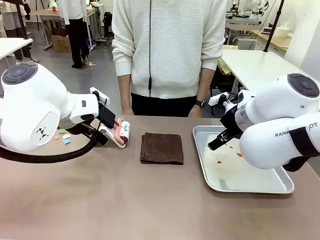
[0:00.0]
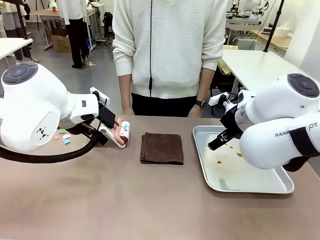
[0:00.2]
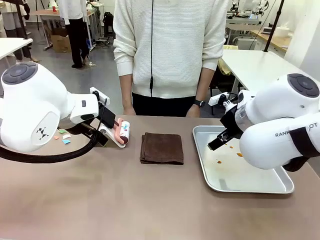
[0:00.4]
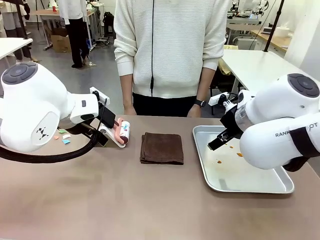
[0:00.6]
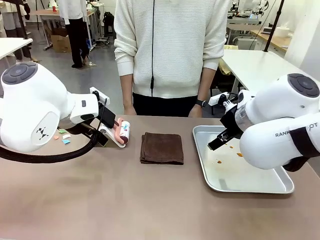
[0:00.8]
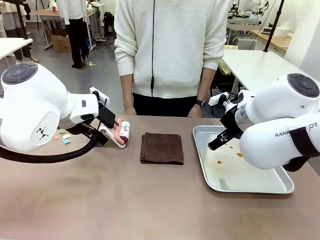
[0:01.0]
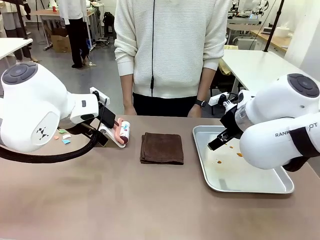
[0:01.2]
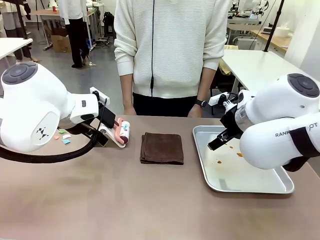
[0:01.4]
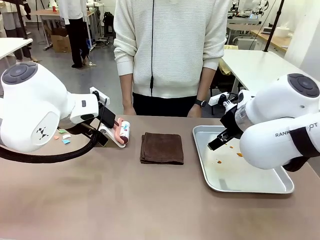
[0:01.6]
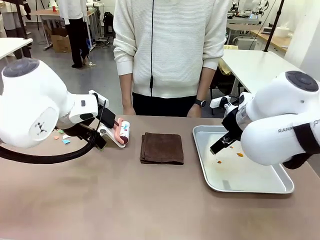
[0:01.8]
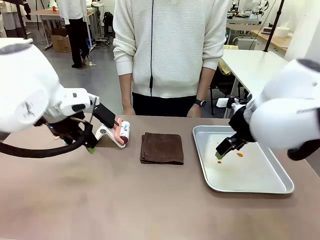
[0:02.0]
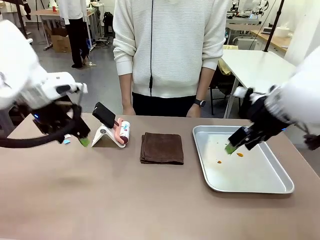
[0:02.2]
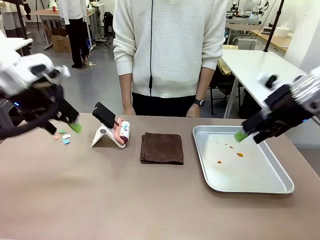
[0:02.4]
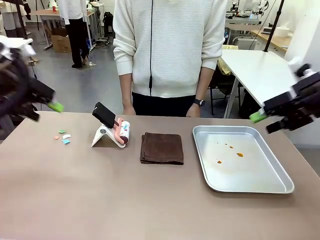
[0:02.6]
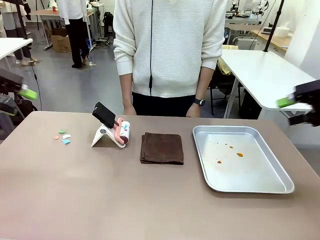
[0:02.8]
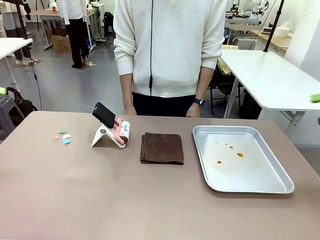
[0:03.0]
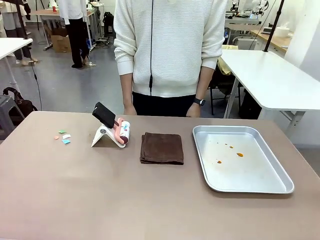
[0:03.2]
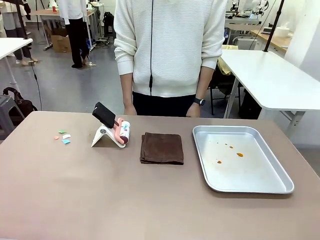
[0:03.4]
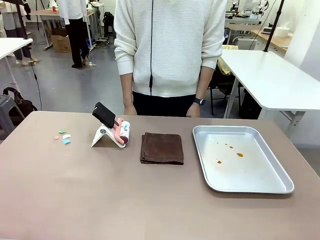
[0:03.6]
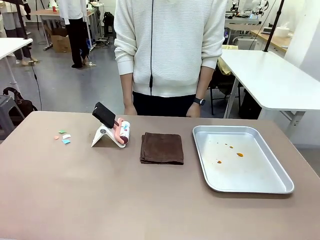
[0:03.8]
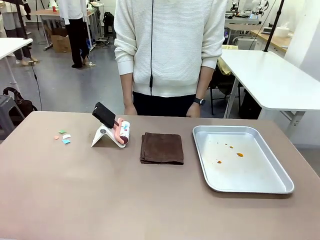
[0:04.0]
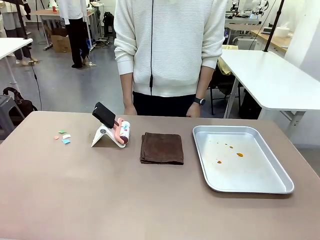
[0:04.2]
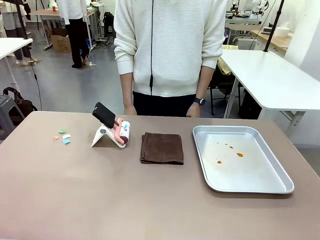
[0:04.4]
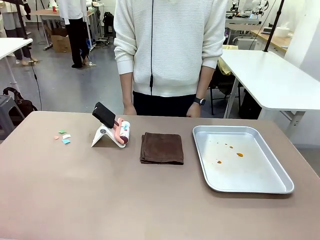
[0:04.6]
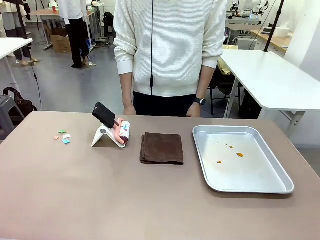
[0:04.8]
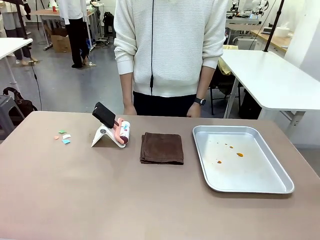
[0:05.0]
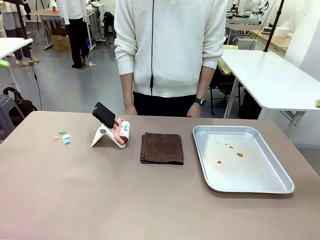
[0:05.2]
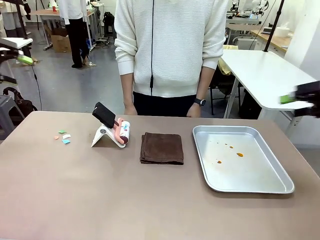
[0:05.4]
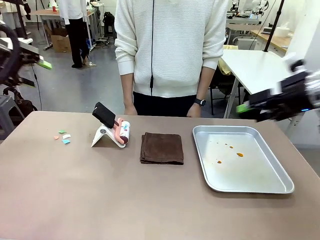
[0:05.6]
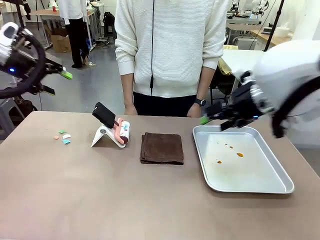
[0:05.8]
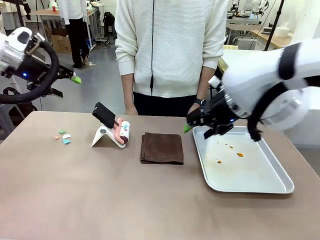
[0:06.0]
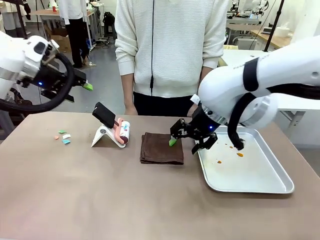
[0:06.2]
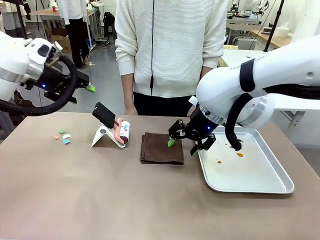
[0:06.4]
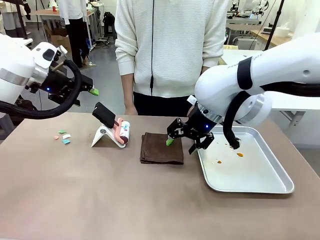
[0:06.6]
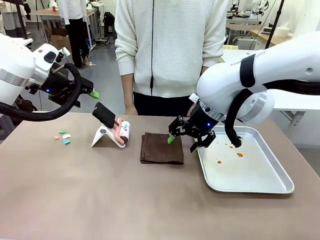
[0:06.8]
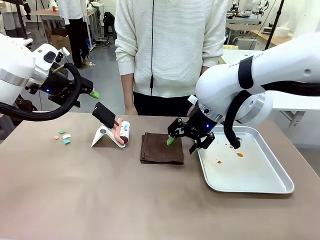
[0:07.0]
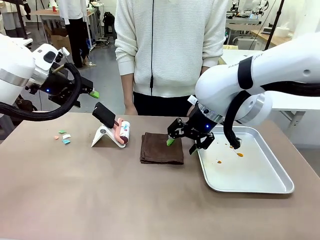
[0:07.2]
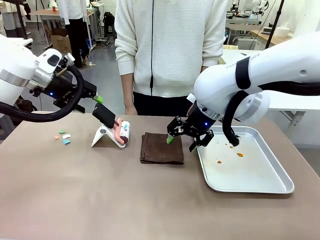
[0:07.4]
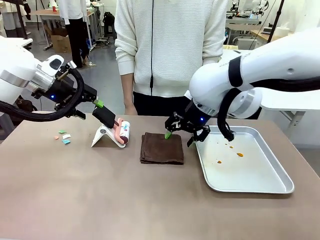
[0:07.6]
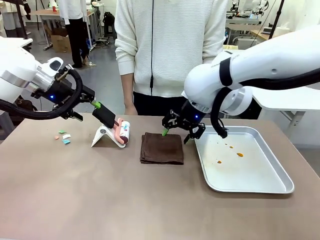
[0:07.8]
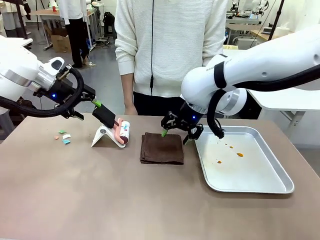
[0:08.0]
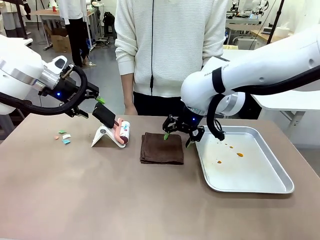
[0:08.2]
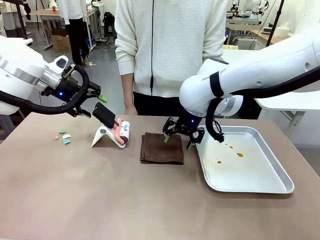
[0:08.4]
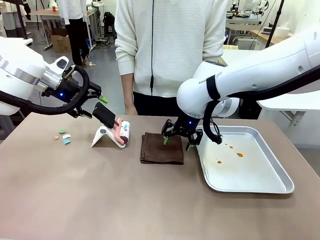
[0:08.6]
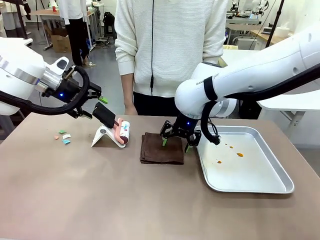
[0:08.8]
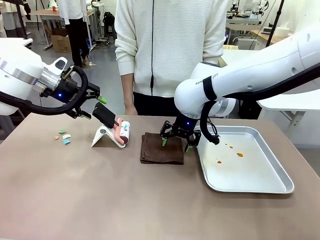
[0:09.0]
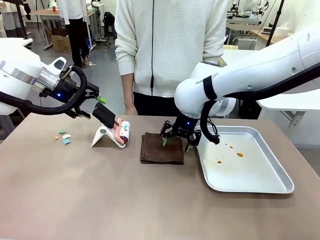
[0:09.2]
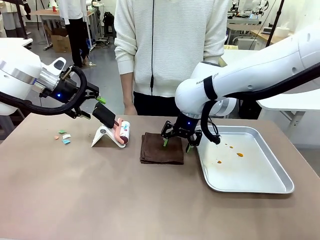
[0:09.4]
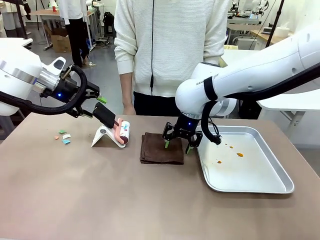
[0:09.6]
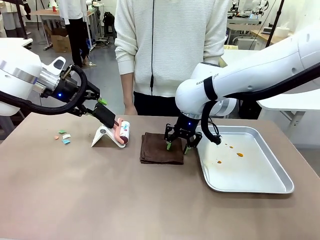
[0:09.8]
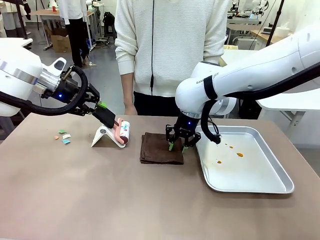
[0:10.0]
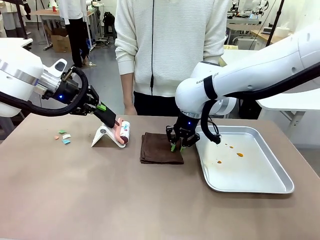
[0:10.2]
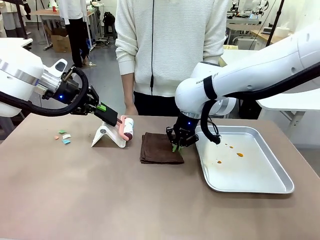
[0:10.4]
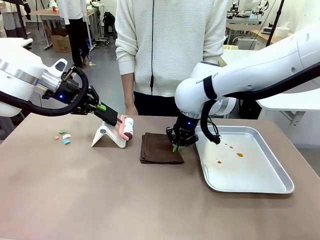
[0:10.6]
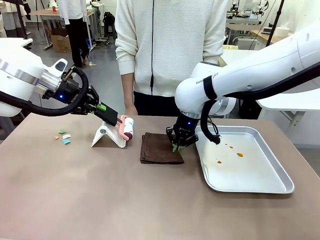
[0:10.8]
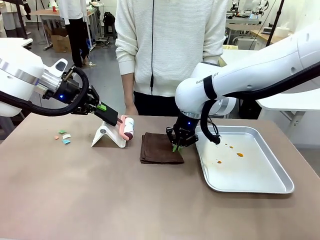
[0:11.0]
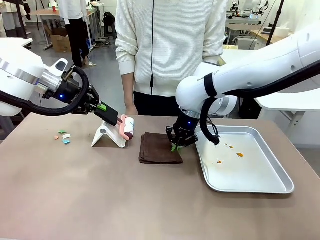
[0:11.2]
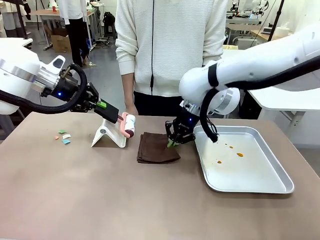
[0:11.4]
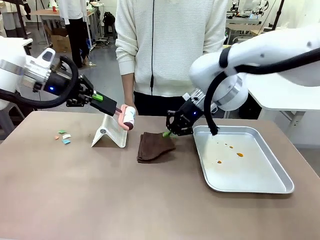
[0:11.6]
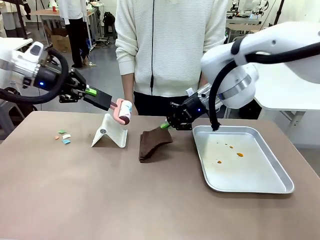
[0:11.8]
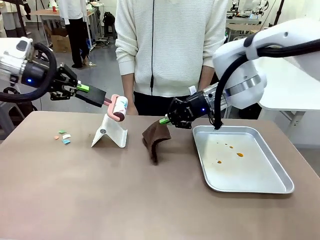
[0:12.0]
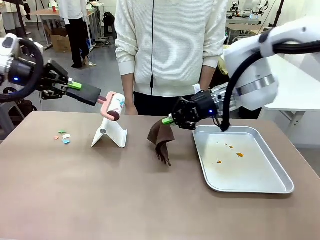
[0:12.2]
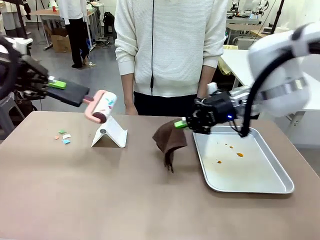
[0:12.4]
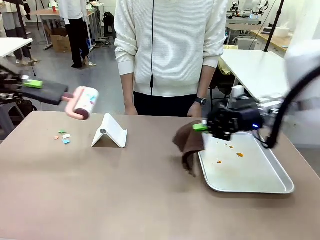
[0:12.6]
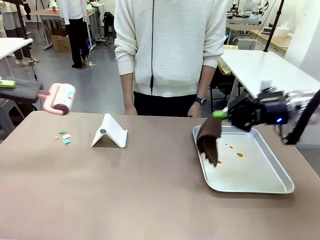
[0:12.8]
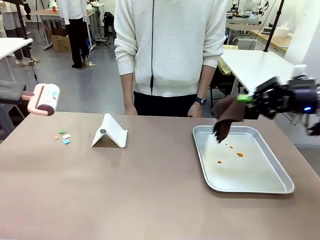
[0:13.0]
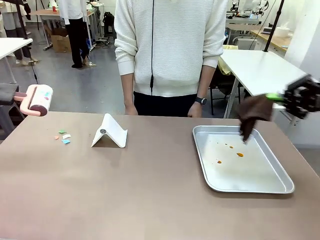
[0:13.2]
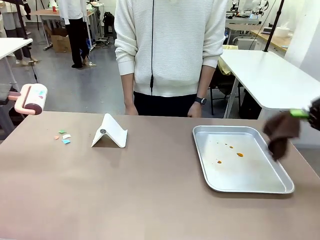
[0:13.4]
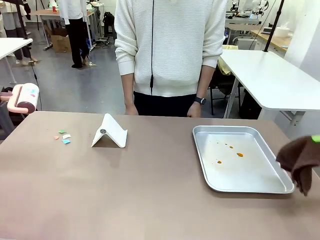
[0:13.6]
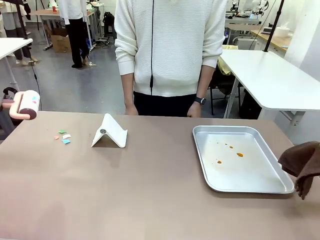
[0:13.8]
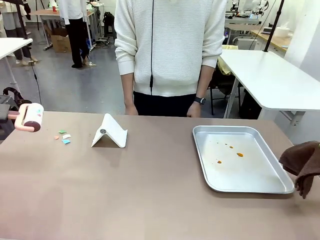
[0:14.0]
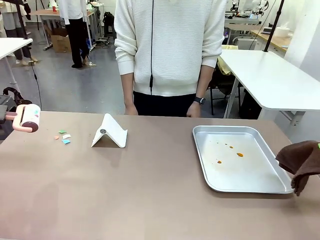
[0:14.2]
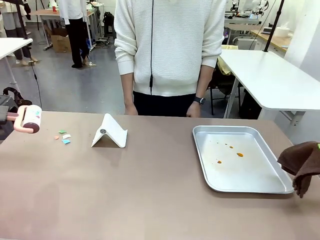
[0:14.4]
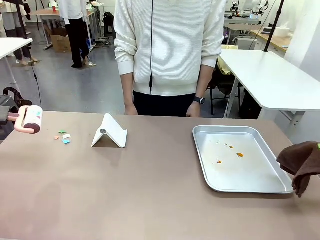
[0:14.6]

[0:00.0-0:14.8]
Task: Clean the surface of the table.
Robot: Hold the Lint Roller with your left hand and the towel with your right hand.
